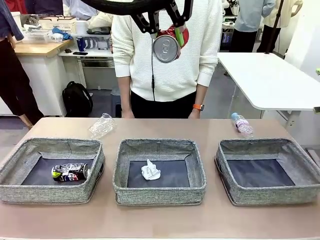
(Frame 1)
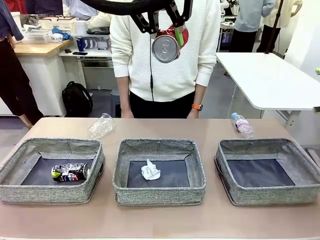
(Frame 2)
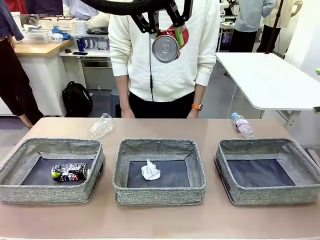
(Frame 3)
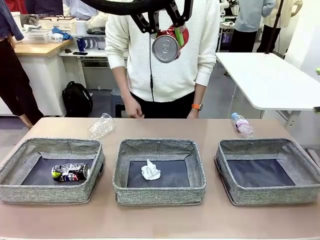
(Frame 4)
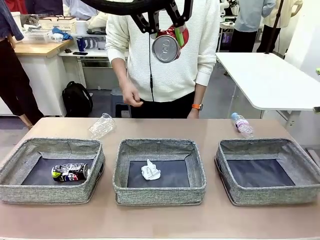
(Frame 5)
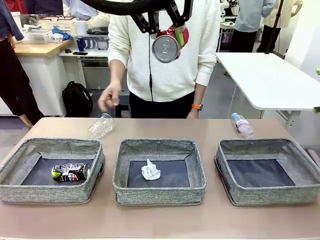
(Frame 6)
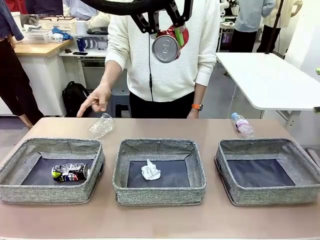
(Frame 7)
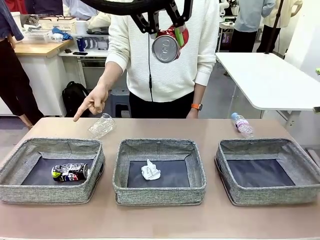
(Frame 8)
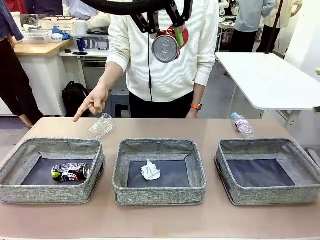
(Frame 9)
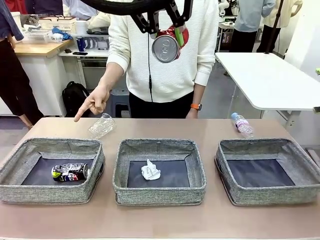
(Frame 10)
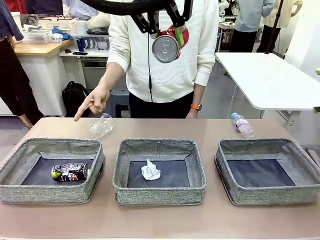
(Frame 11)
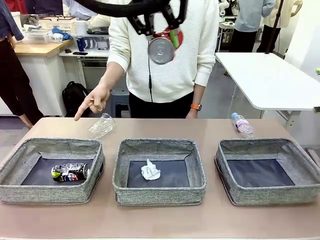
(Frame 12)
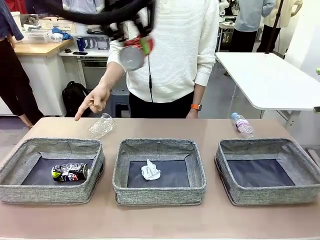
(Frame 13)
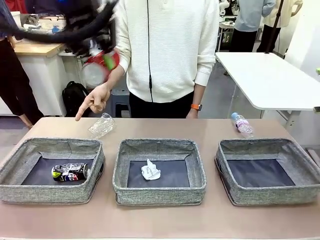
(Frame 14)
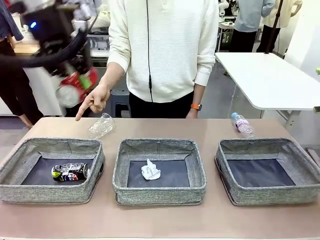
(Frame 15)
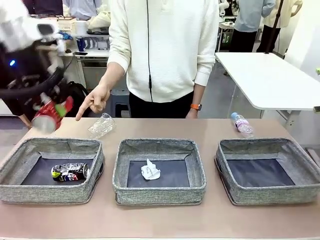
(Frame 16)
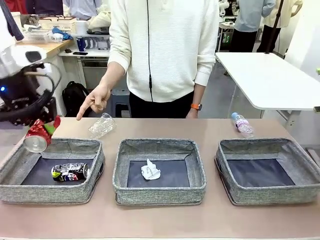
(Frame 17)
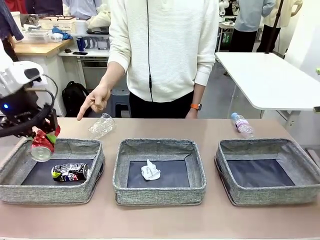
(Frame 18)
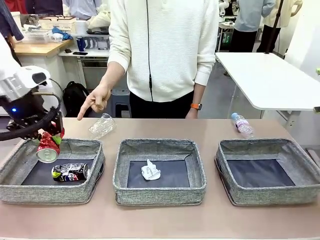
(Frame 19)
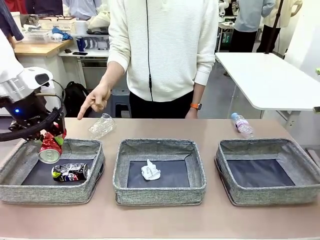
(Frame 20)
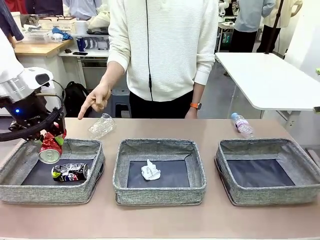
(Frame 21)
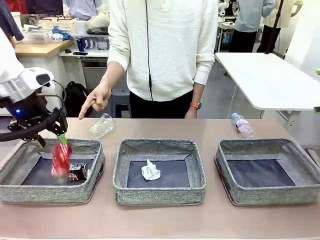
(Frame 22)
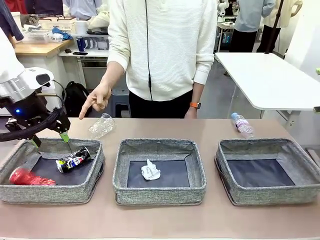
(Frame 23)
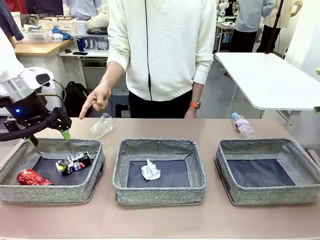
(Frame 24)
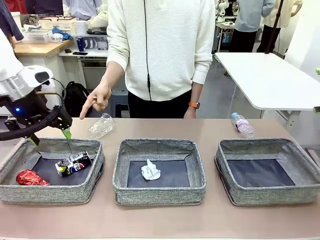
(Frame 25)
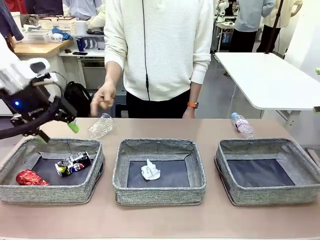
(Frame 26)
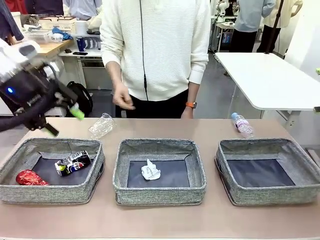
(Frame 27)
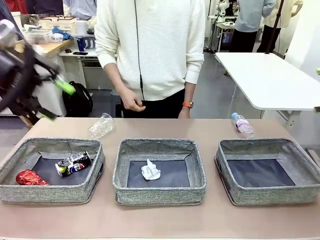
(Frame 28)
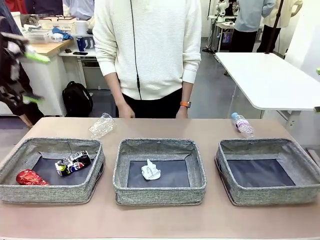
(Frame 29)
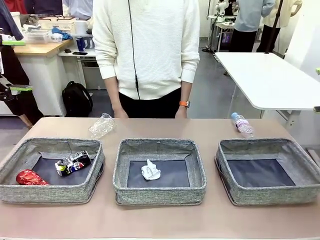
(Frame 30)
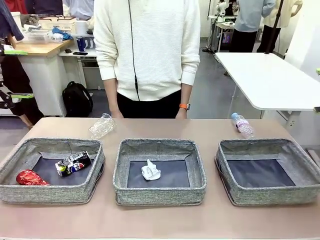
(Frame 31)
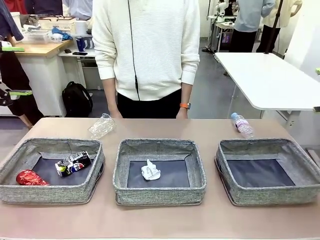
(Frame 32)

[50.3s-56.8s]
Task: Sort the waste into the appropriate baskets.
Robot: Place the picked waste into the Fabric basket indicated by the person.
Person: Instructs the robot to place the picked-up trash into the appropriate organizing basket.

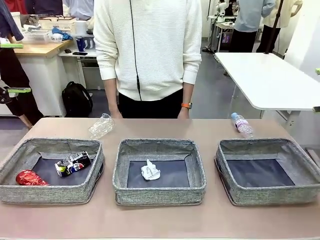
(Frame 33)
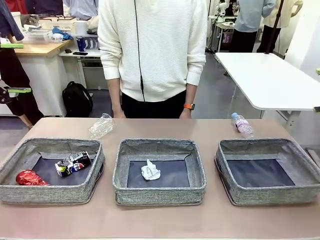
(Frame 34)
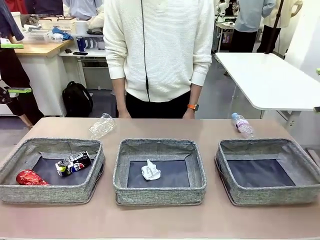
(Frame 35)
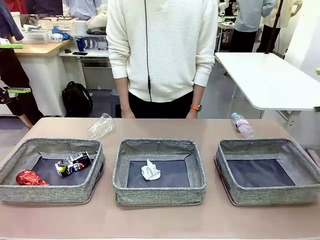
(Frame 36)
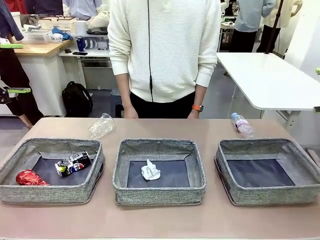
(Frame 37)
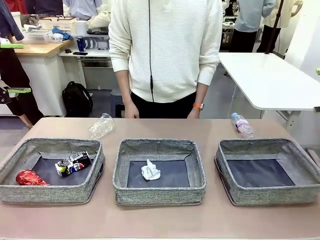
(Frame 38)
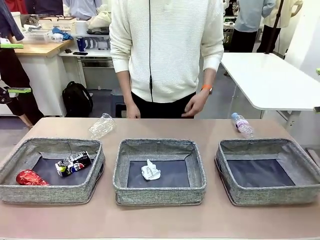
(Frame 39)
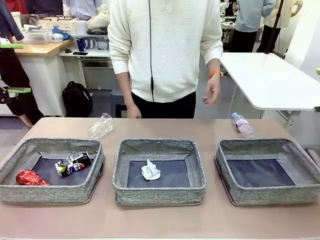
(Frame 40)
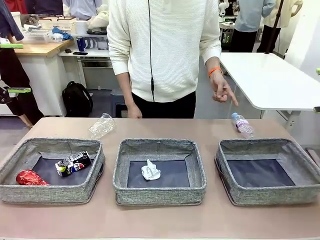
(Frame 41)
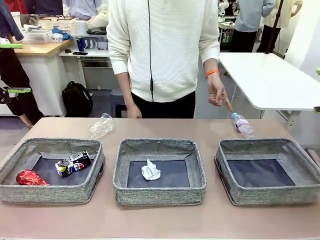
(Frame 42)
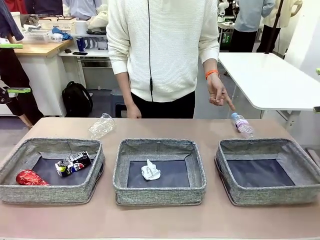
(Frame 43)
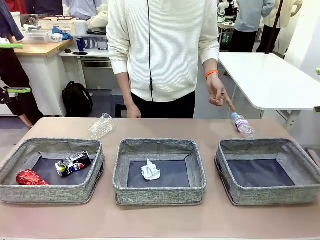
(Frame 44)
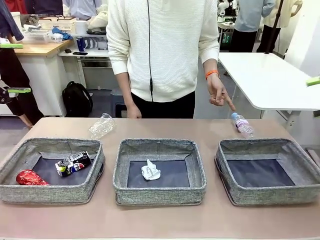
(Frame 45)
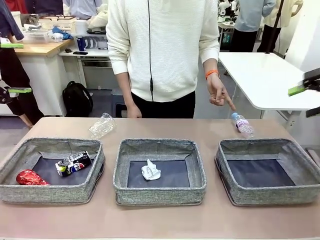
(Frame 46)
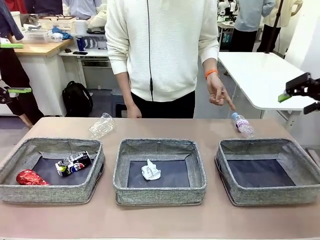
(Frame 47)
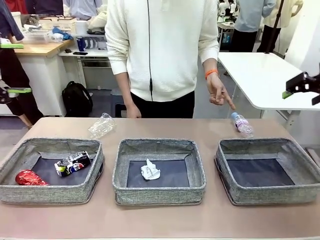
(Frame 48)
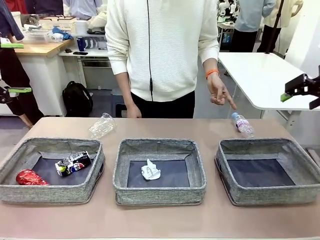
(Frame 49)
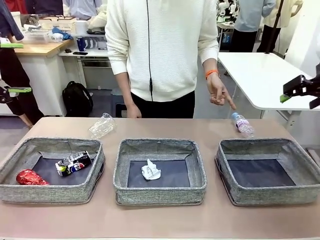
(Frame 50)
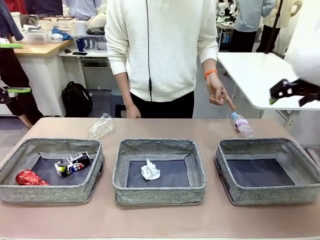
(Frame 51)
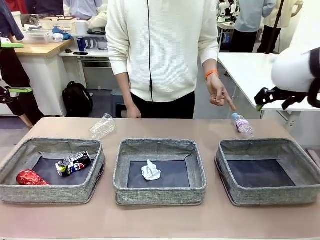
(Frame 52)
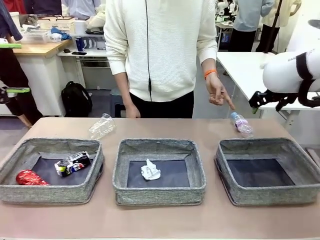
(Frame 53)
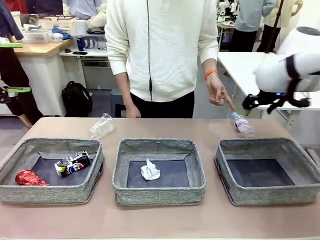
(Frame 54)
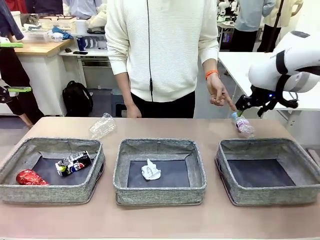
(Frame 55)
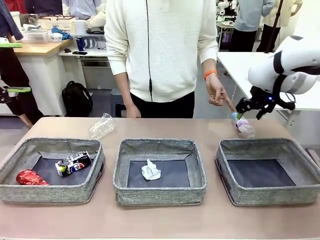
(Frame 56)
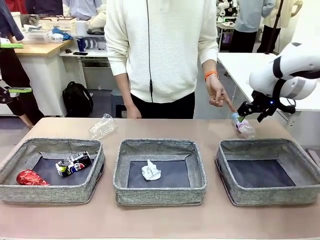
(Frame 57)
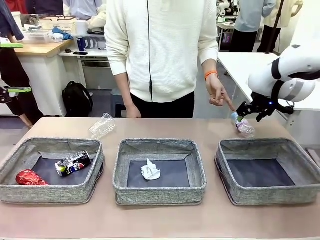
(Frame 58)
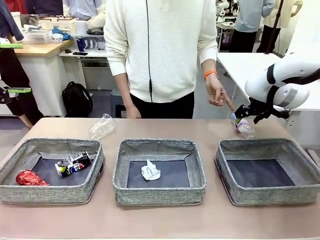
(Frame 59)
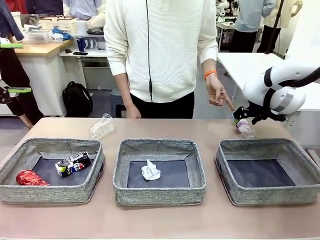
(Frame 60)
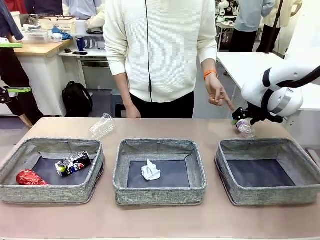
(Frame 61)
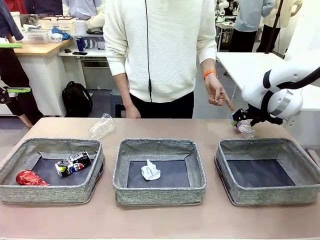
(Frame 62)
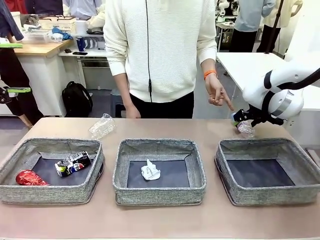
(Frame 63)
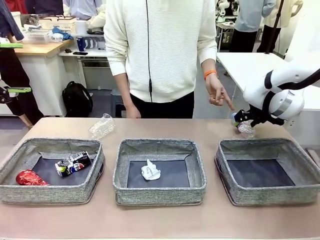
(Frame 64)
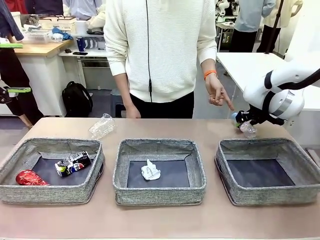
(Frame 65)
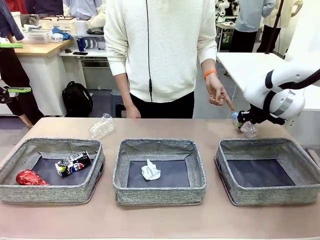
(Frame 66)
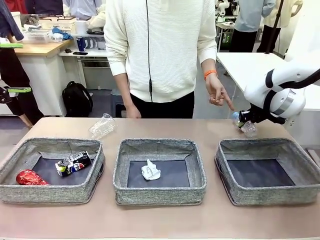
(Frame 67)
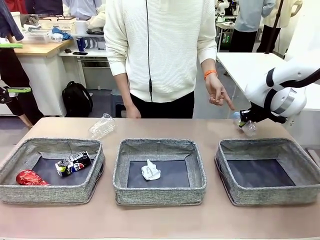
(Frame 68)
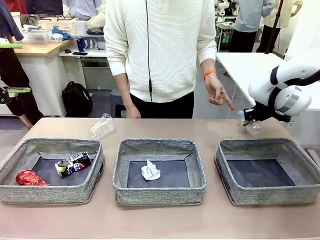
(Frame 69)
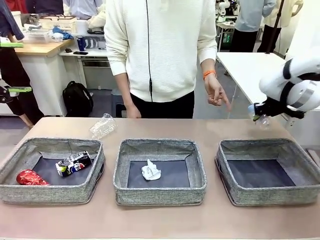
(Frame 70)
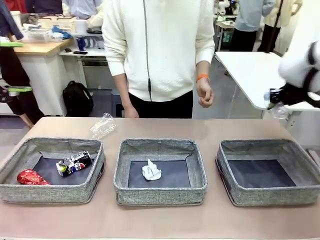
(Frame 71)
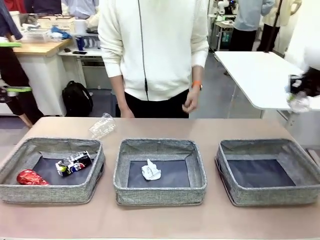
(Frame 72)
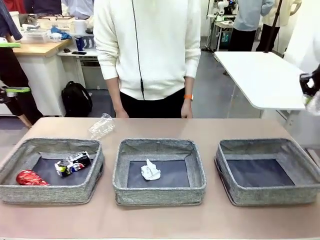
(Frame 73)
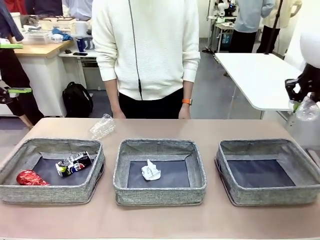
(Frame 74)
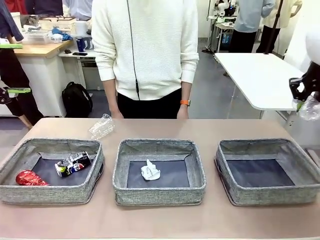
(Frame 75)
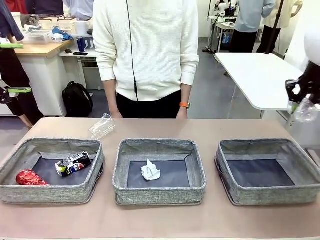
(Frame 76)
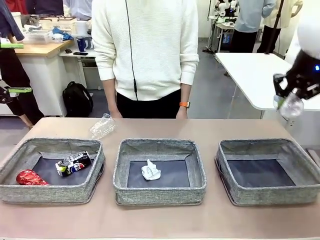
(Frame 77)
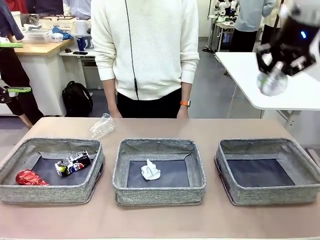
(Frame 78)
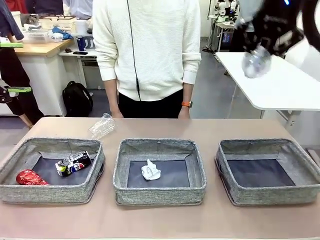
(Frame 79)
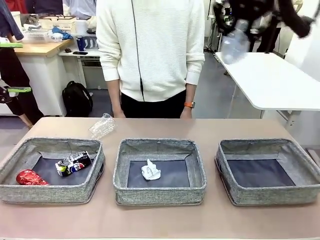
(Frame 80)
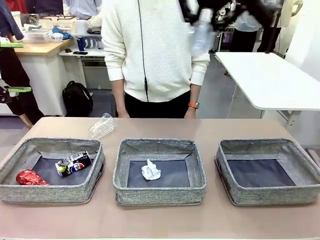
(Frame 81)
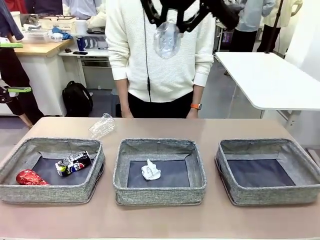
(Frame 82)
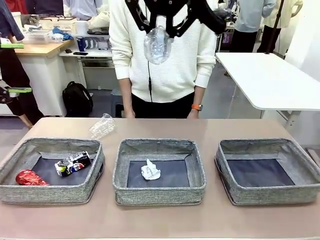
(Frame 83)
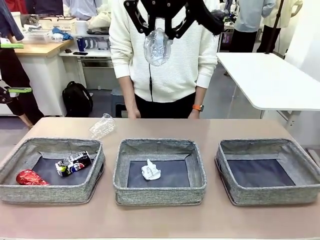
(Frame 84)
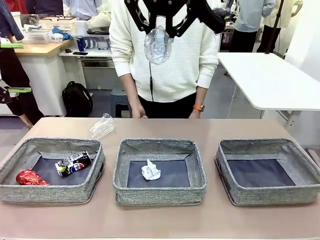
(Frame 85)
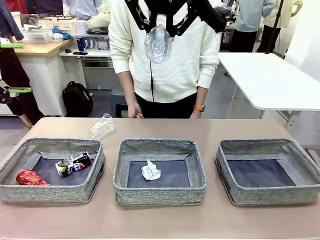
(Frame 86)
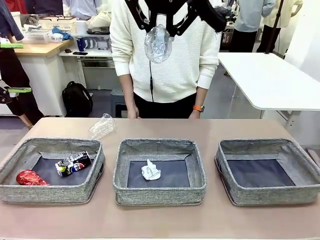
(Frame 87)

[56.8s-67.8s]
Robot: Pick up the waste item pointed out by the person.
Person: Points to one piece of trash on the table.

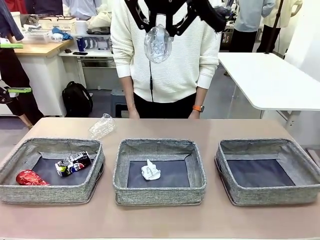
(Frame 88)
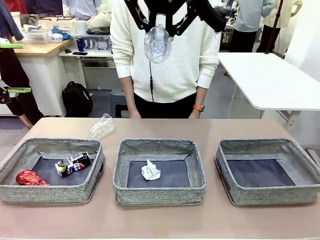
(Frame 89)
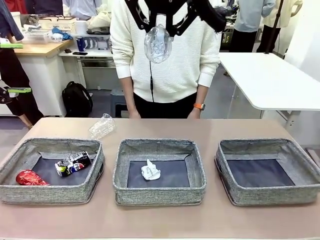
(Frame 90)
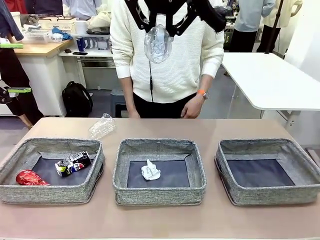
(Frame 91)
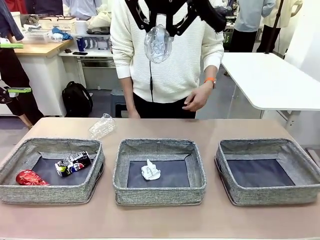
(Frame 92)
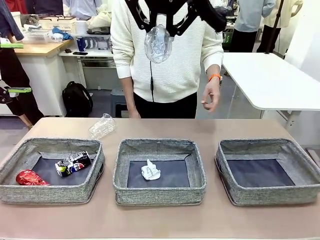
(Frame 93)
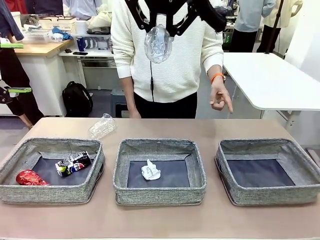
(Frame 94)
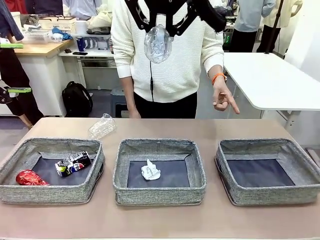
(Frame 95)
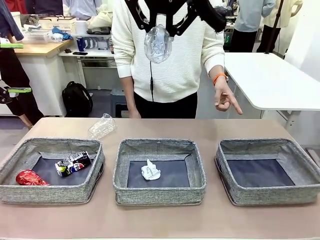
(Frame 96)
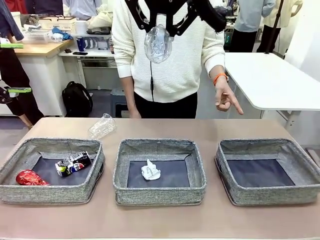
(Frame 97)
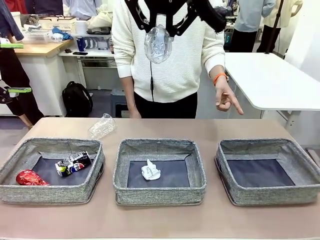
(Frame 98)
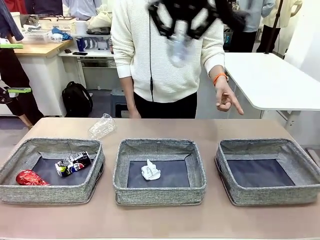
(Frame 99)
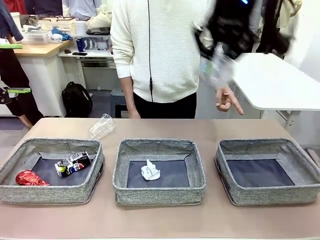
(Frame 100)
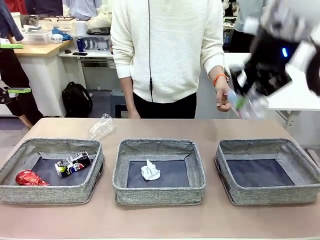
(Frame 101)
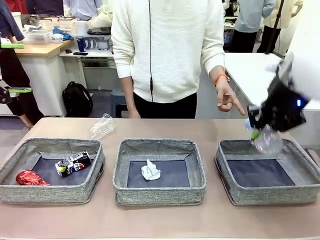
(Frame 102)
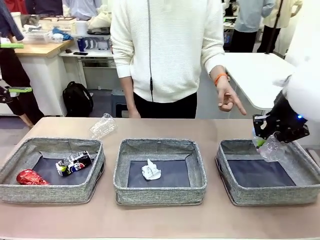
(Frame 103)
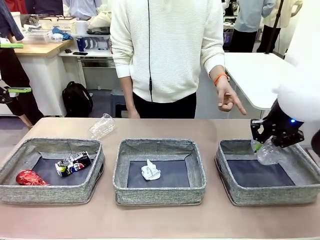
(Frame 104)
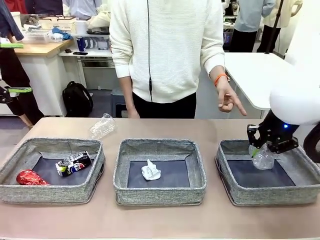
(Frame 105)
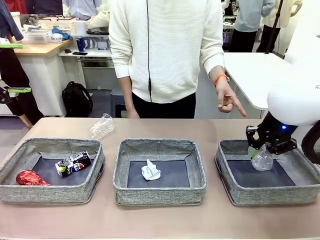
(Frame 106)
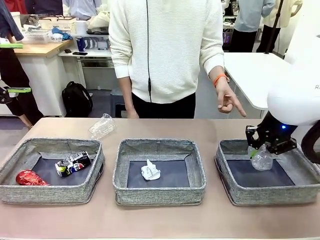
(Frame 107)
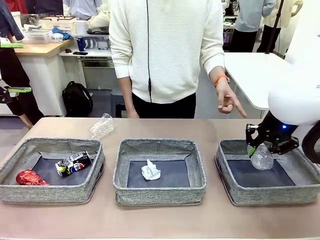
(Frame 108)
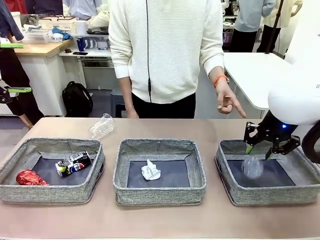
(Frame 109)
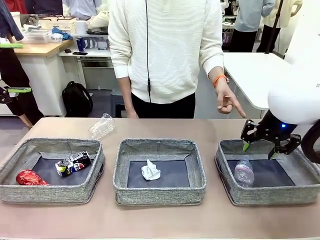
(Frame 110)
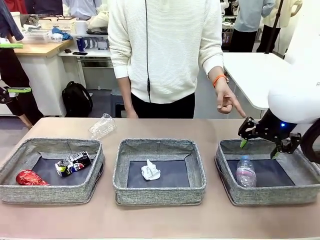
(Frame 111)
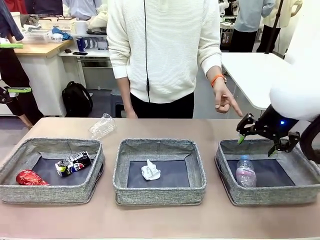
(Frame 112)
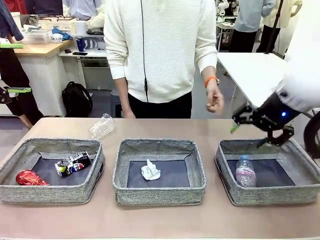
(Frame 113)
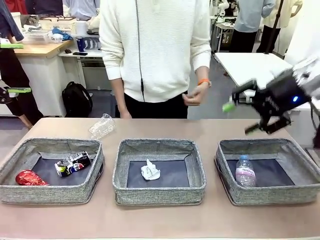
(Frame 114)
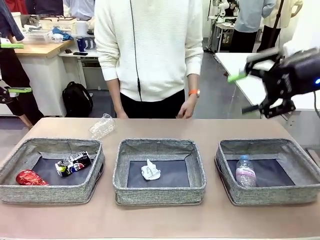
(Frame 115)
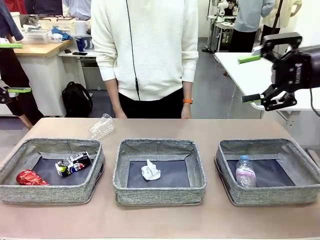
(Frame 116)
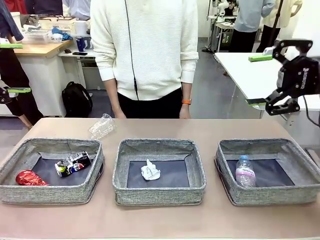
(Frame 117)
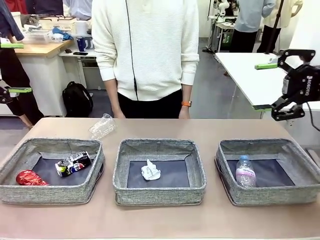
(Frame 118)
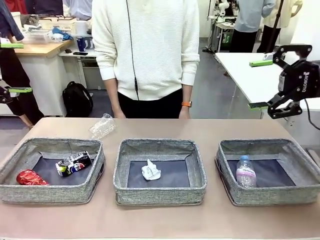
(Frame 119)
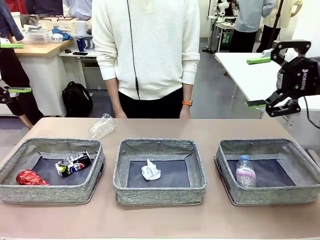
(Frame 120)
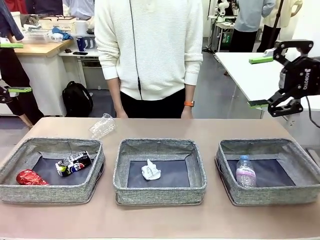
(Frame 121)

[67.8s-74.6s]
Robot: Place the picked waste into the Fabric basket indicated by the person.
Person: Instructs the robot to place the picked-up trash into the appropriate organizing basket.
